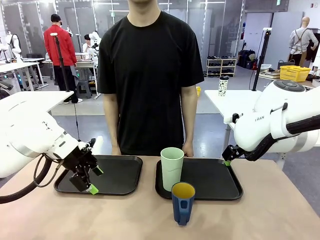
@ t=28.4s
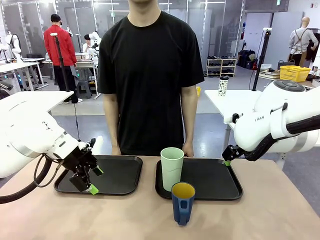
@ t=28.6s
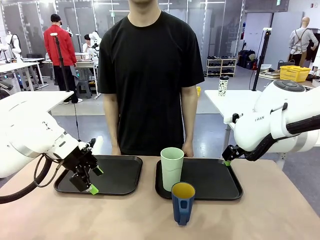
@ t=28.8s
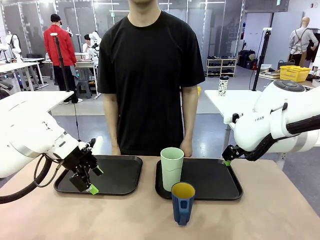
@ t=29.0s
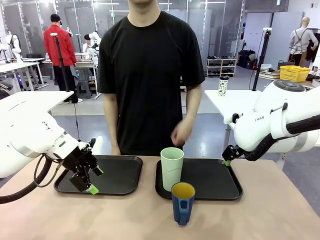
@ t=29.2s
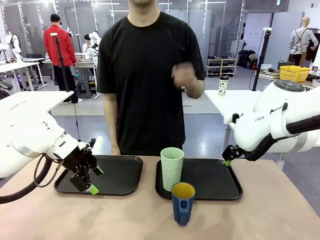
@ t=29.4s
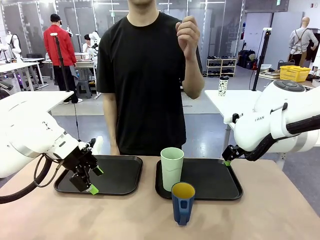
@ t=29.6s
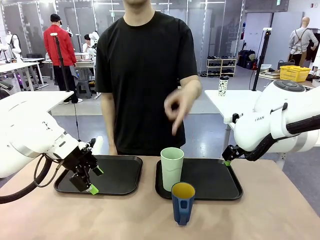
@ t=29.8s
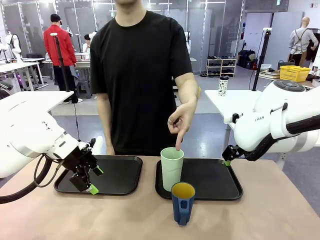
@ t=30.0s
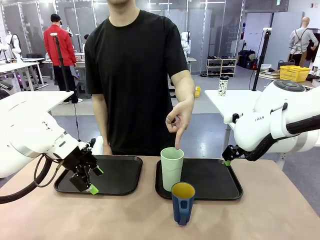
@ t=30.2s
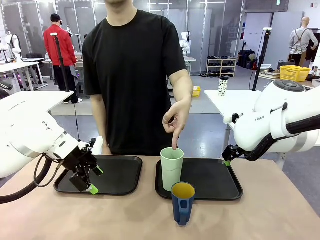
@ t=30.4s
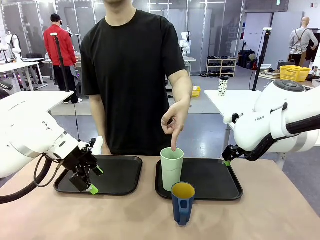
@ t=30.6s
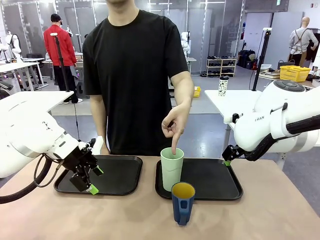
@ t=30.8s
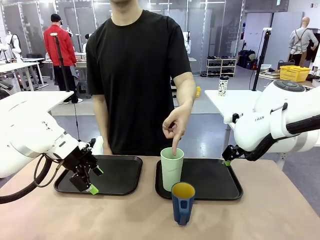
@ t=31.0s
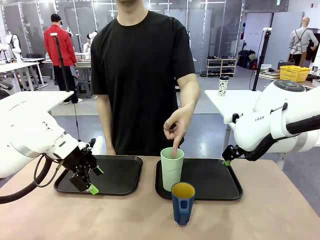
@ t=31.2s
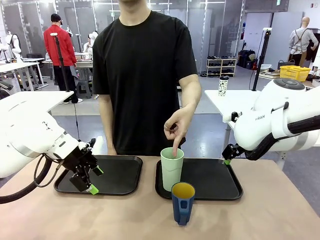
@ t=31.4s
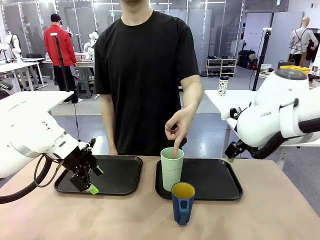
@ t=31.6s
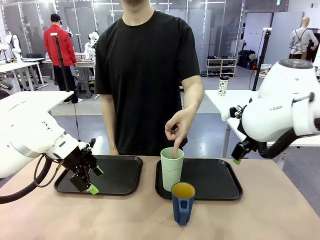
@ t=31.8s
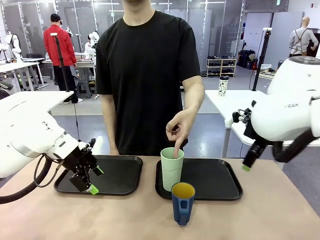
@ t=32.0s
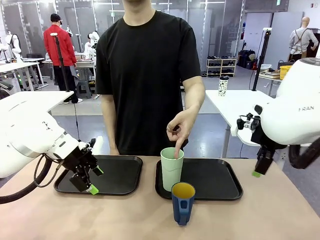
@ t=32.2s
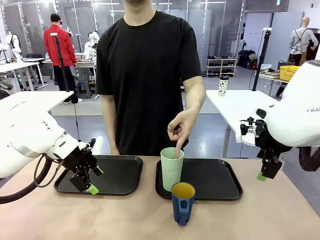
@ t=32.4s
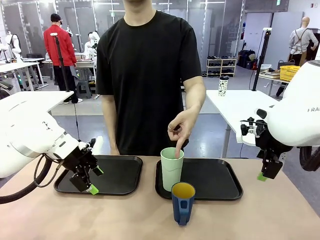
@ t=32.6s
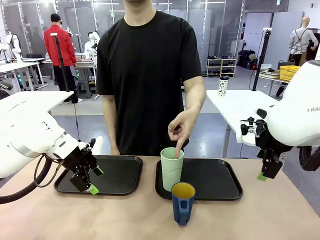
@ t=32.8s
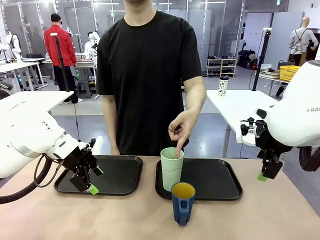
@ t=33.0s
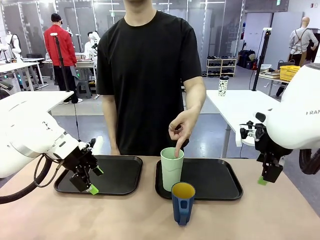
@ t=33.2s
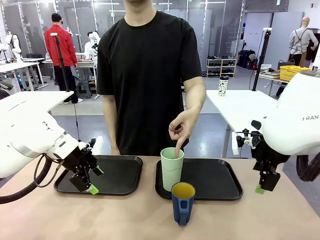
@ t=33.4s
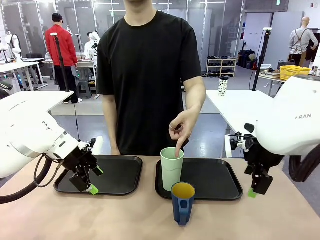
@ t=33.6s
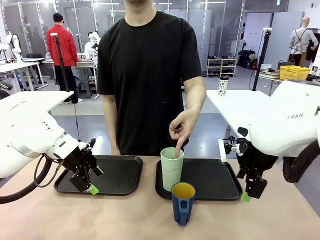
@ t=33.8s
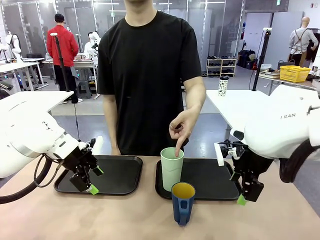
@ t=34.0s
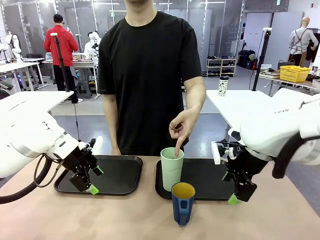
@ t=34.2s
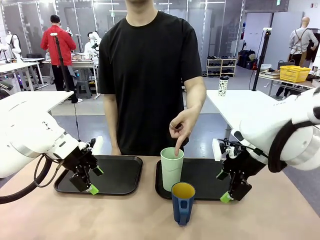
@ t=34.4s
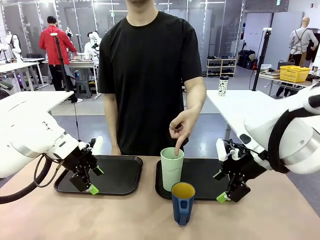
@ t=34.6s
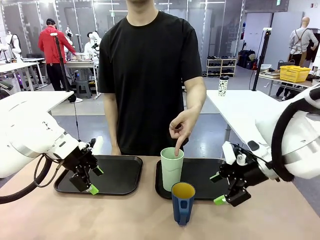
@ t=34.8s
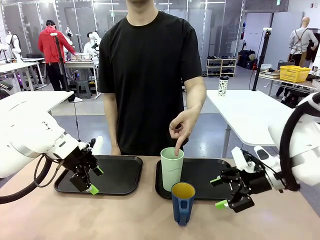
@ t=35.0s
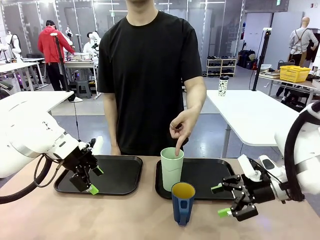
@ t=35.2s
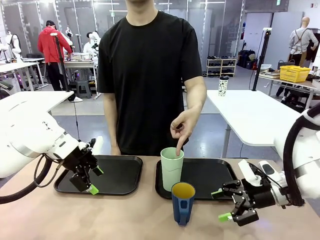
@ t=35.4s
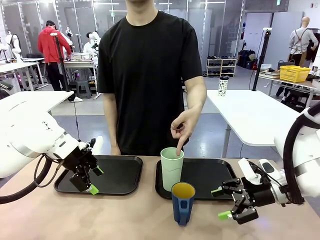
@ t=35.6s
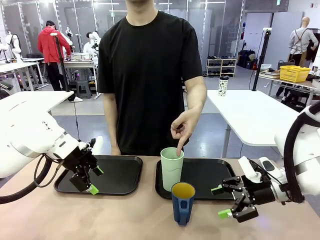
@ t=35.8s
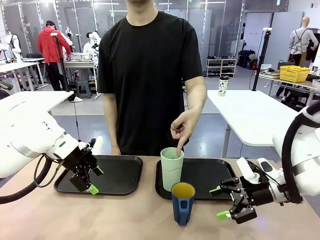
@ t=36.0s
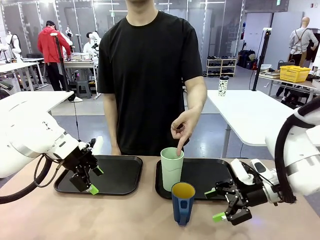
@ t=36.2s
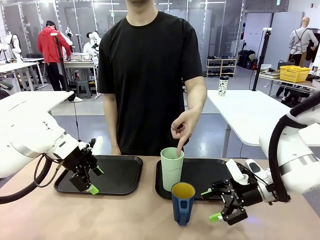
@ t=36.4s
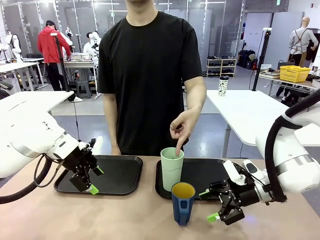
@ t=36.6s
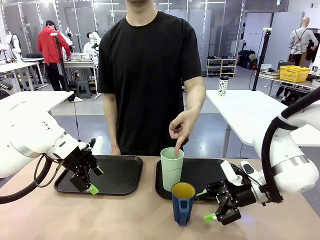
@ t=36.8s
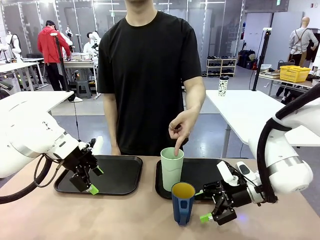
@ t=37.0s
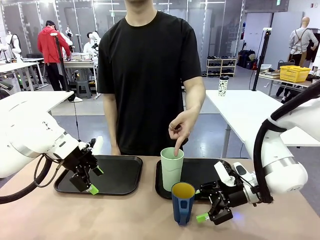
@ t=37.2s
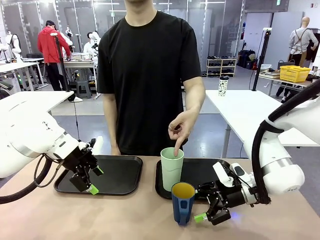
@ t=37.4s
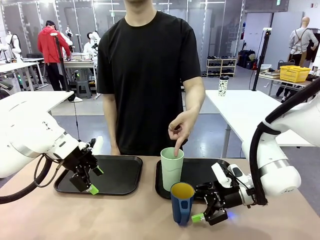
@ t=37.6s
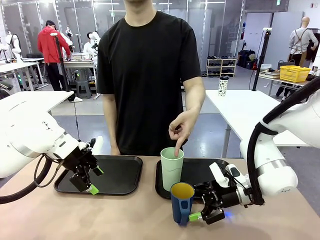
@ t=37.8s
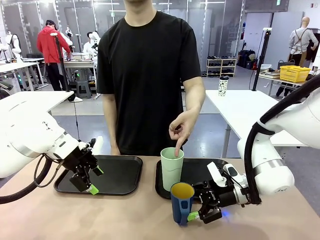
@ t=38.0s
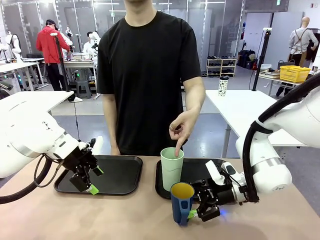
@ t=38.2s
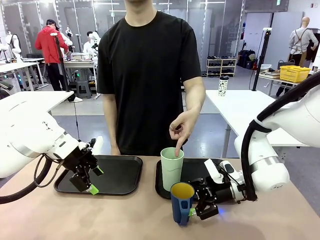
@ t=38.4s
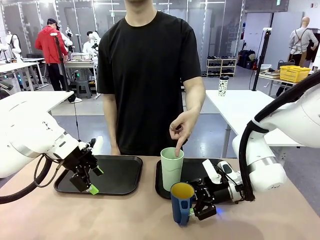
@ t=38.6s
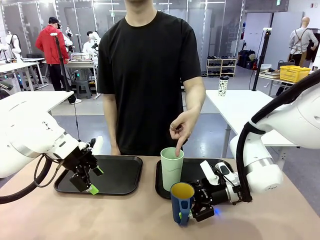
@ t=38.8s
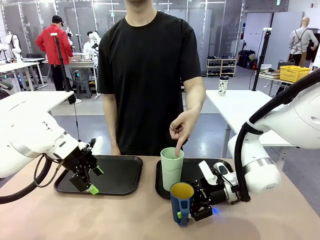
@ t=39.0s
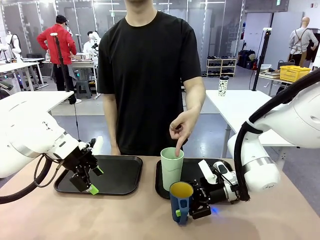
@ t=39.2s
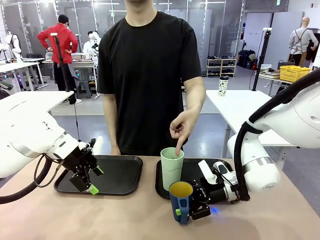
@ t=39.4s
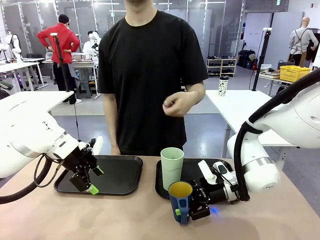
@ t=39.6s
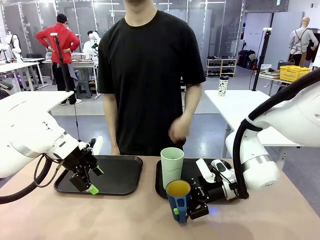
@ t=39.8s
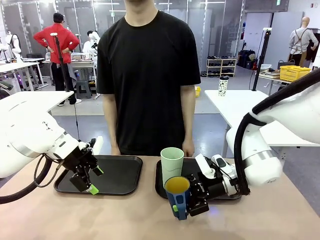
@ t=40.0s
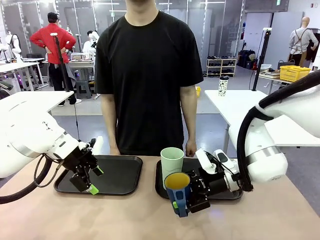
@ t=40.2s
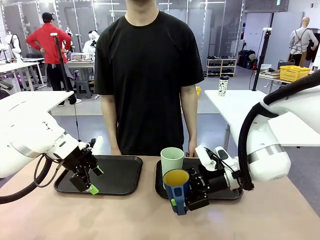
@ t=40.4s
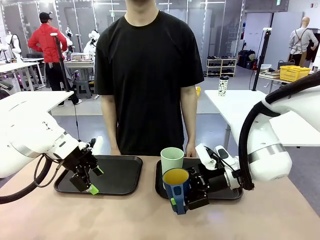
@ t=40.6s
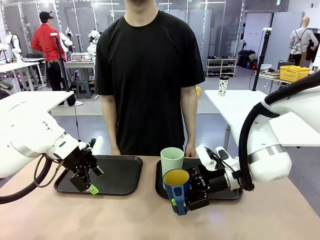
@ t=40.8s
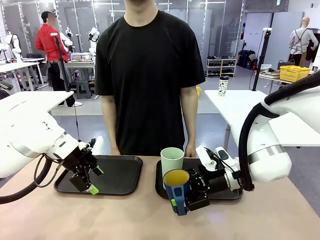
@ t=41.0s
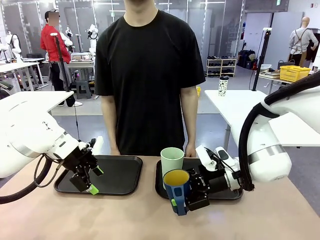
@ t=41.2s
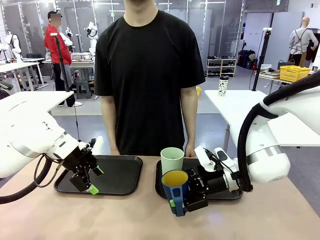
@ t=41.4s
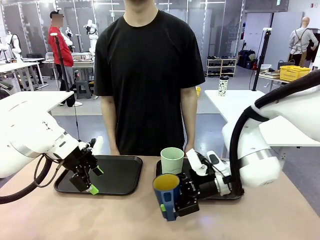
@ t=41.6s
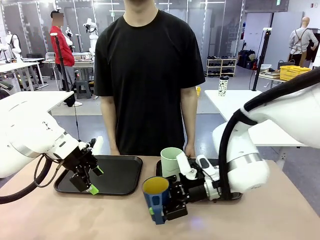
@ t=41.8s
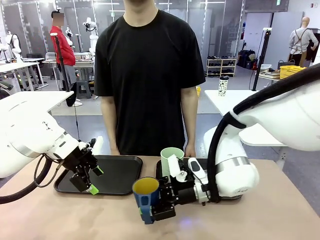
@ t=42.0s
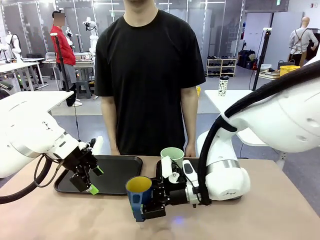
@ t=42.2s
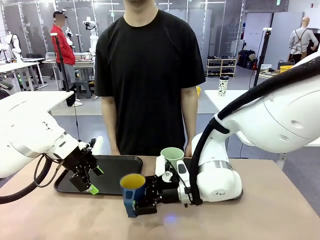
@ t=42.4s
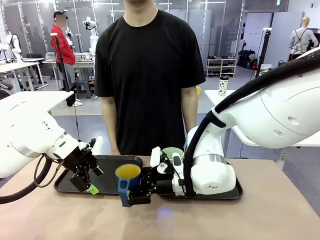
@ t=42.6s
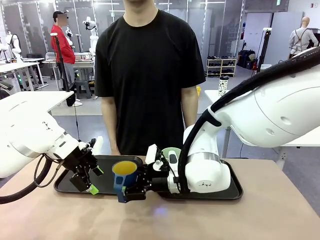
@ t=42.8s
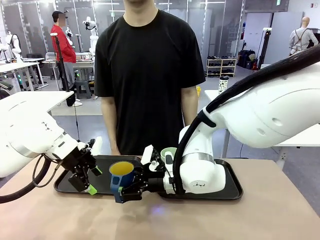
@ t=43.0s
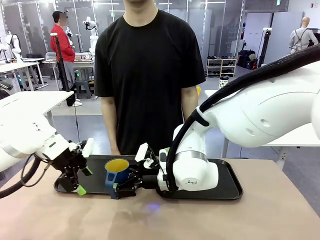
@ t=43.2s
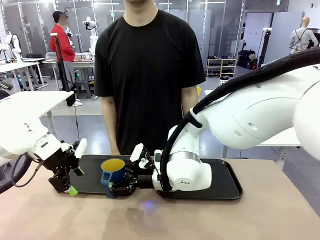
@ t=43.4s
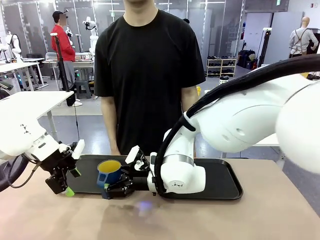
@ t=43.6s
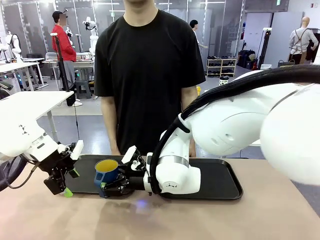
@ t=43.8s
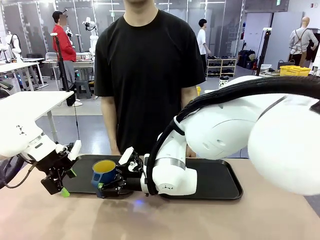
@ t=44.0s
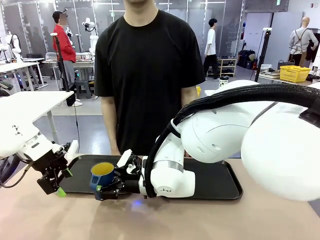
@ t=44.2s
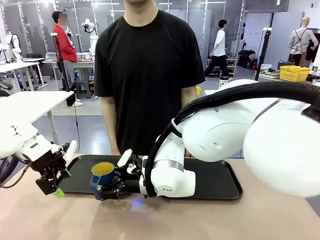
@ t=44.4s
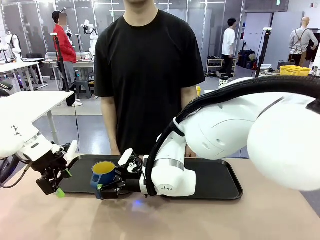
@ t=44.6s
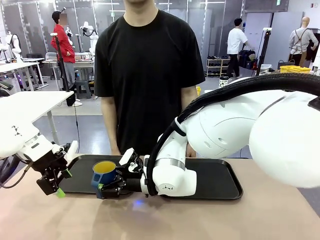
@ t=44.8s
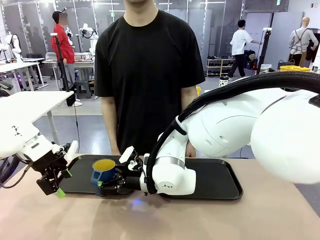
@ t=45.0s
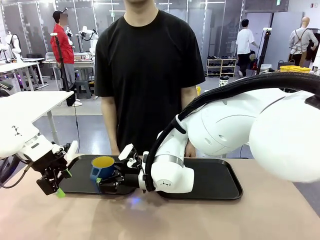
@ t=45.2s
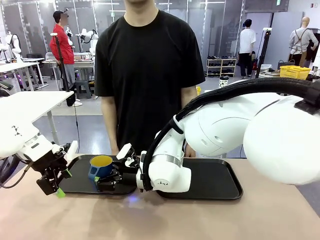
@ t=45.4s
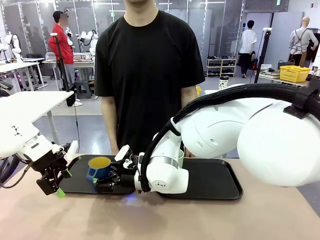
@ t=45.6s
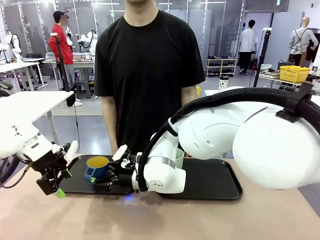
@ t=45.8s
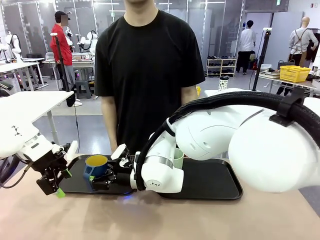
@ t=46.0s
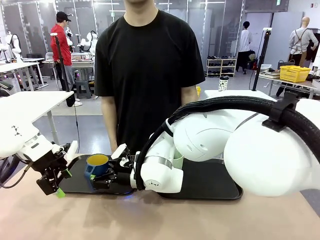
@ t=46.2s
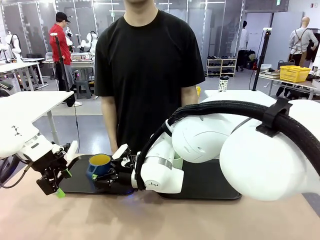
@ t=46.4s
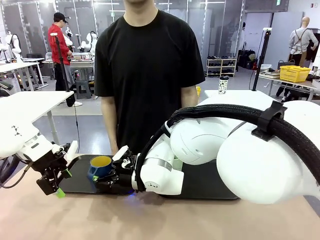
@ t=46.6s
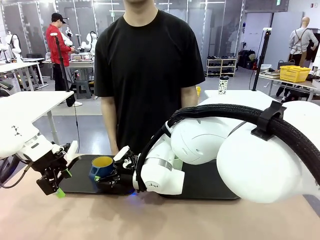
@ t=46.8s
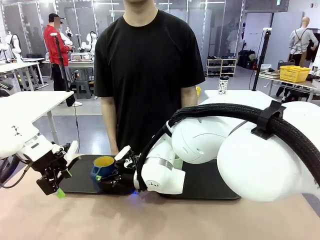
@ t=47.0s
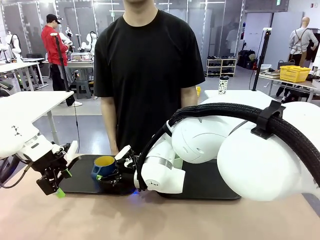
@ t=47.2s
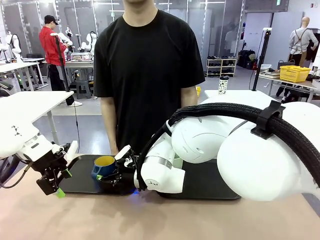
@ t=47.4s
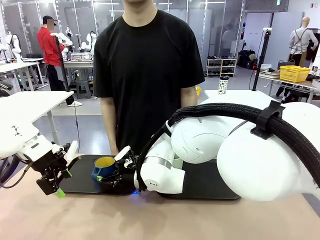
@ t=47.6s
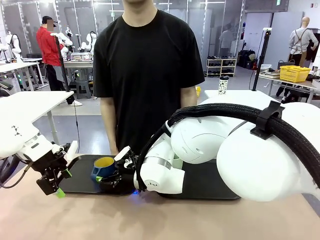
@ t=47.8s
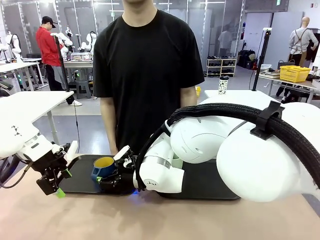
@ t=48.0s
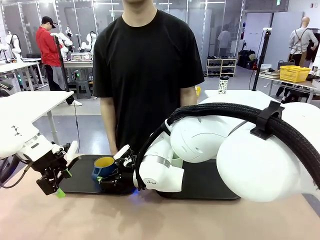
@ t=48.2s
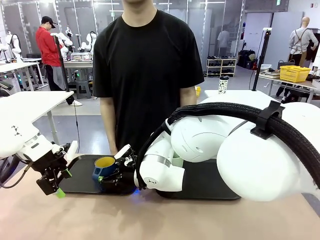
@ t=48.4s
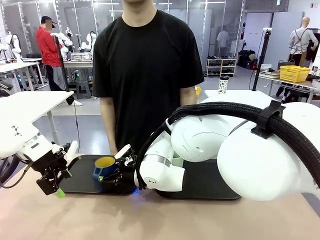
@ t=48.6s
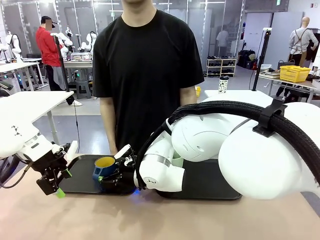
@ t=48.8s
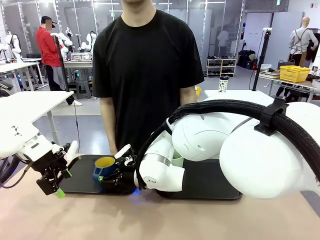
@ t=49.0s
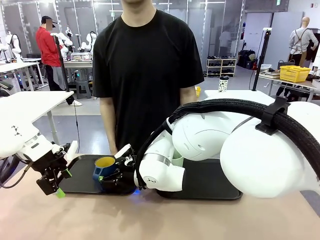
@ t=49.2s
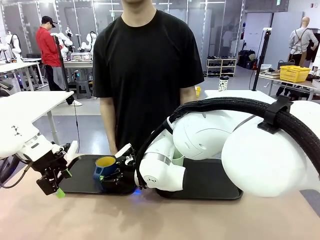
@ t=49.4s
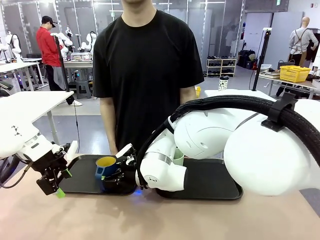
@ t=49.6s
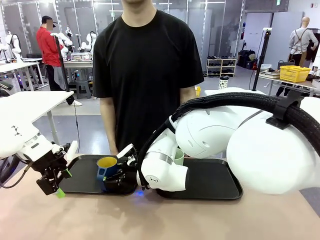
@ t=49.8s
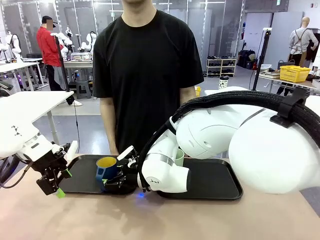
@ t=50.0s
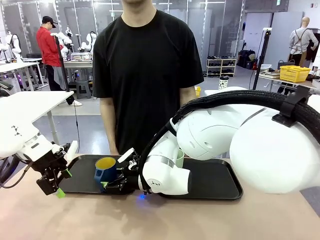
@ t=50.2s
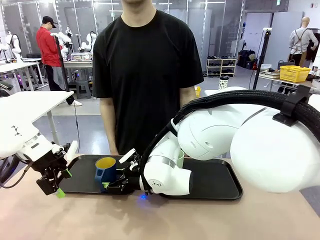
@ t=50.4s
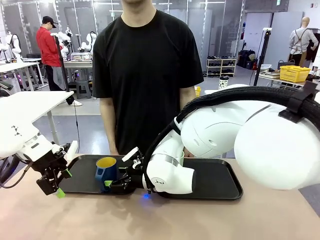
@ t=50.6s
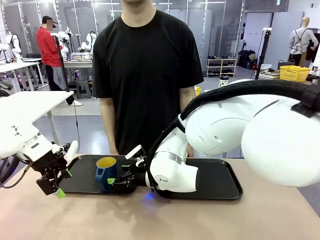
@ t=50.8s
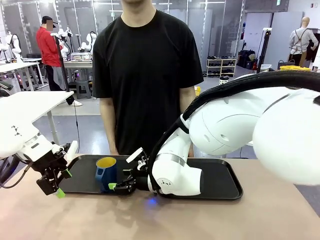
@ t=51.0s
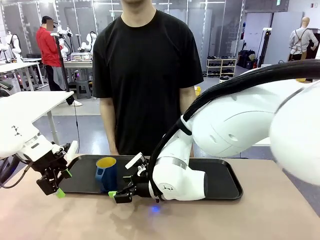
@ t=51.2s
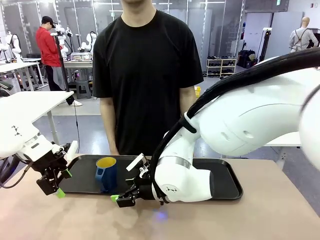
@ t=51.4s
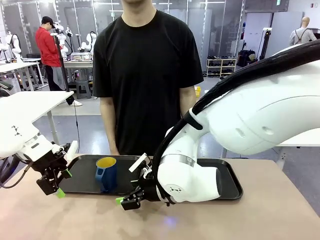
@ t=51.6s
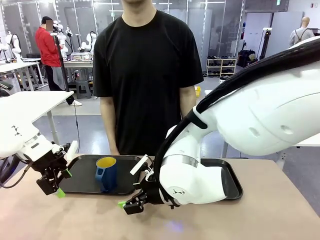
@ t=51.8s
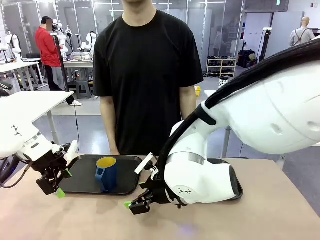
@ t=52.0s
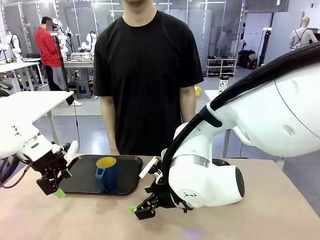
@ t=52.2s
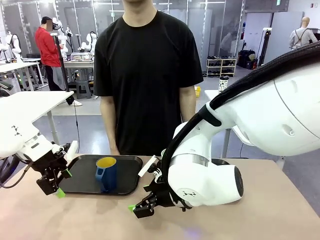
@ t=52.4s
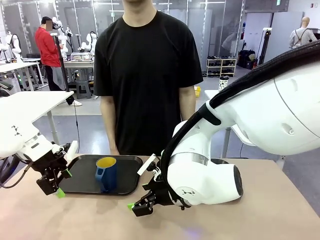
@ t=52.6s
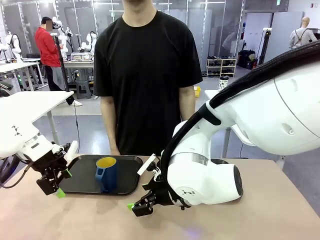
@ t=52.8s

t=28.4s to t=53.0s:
Task: Sort and store the cups by type.
Robot: Pick up the Handle plastic cup and place it into the empty Flat Tray.
Person: Points to the cup with a handle.
